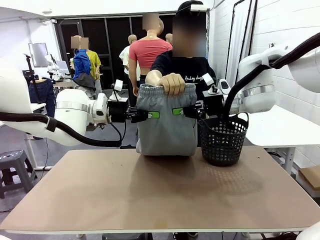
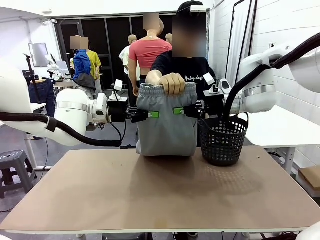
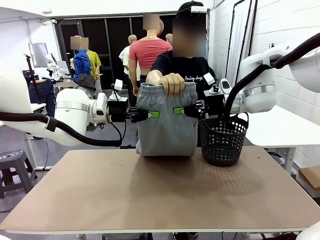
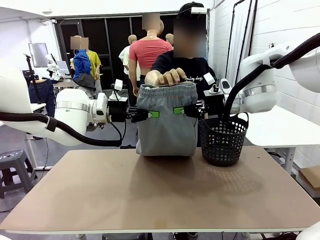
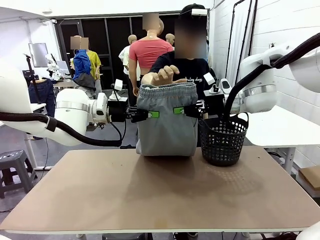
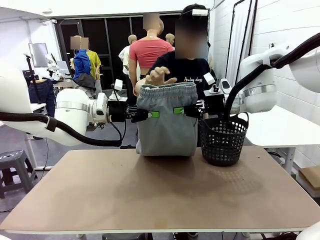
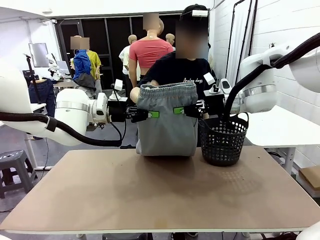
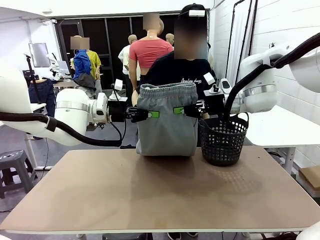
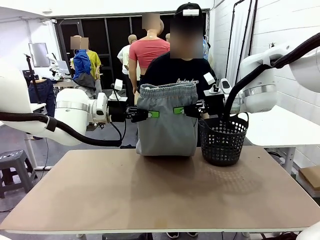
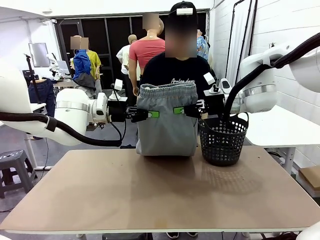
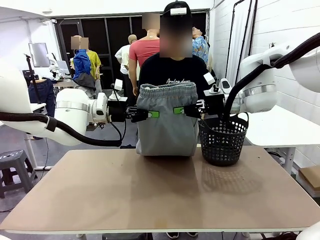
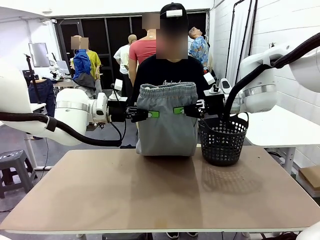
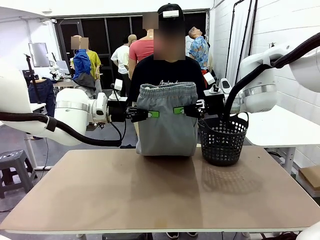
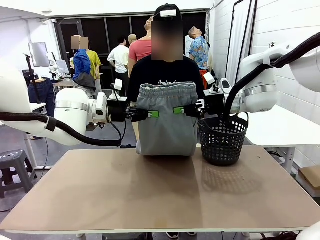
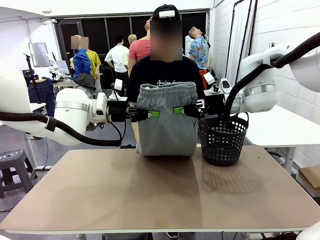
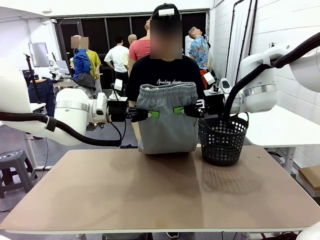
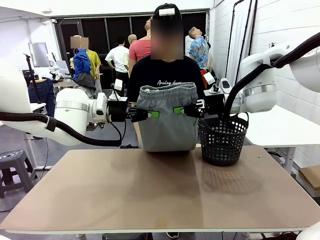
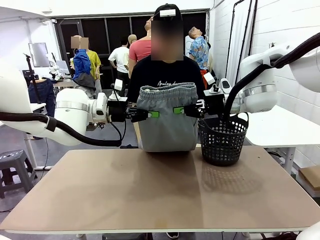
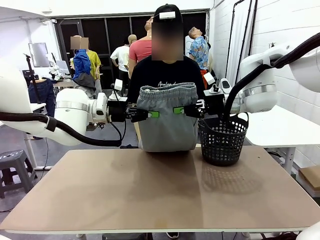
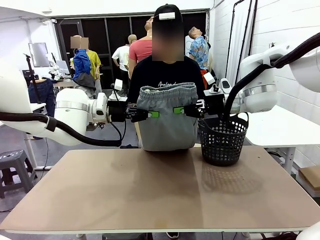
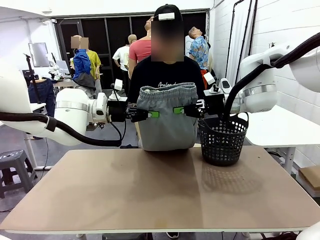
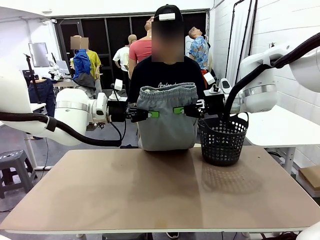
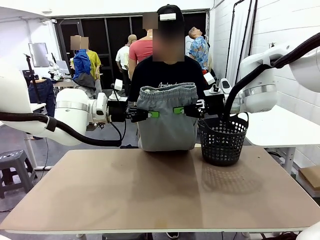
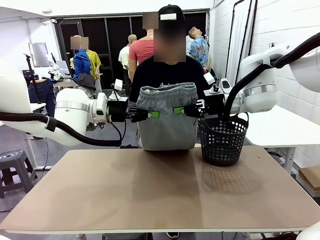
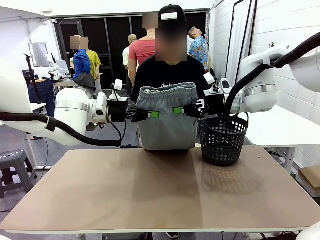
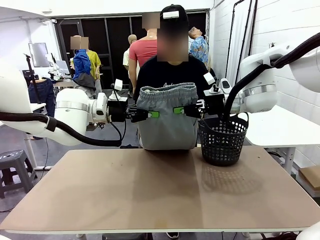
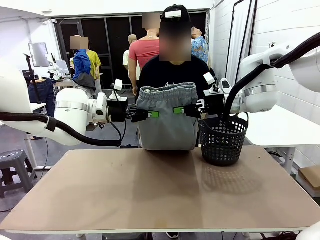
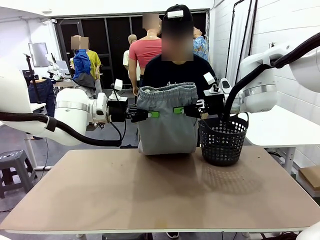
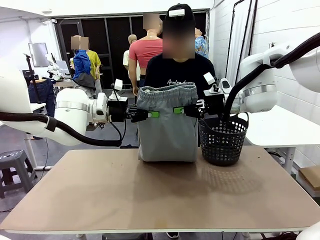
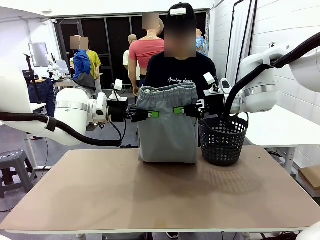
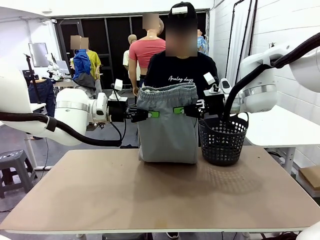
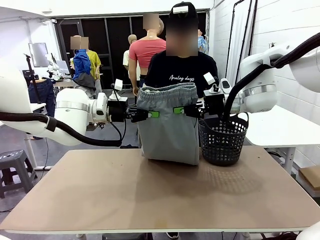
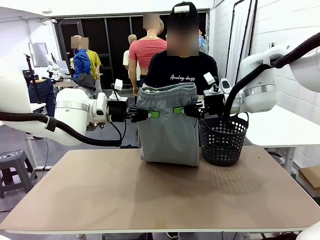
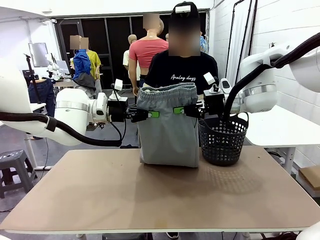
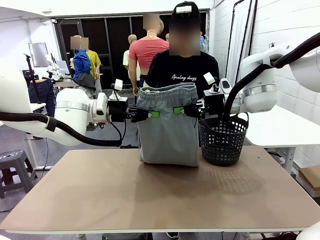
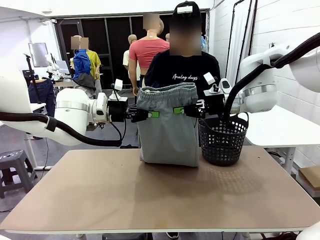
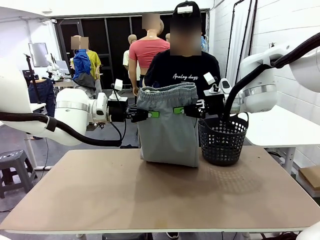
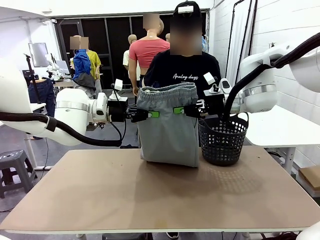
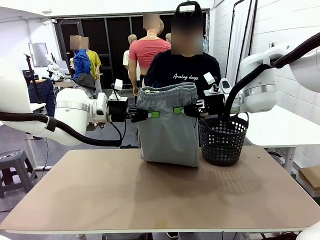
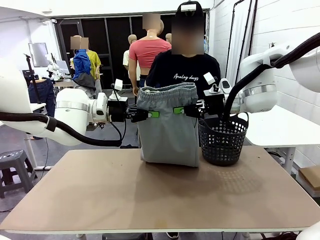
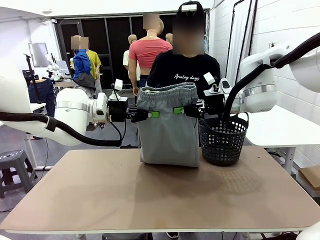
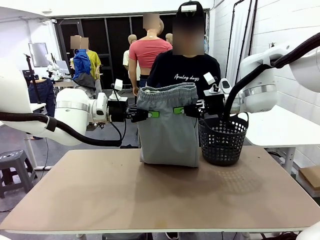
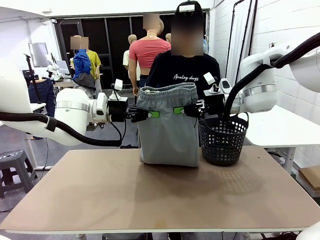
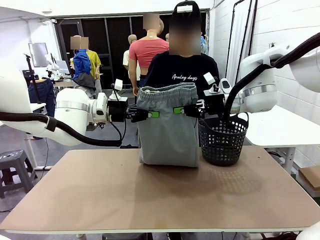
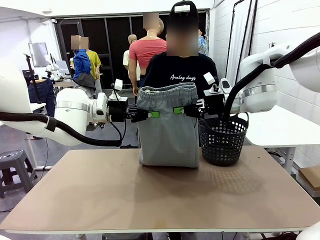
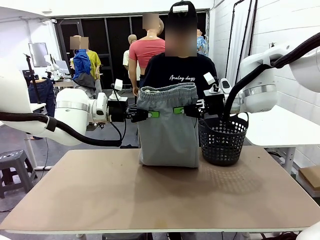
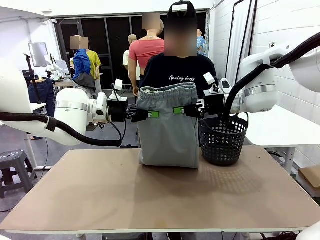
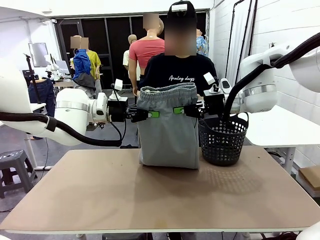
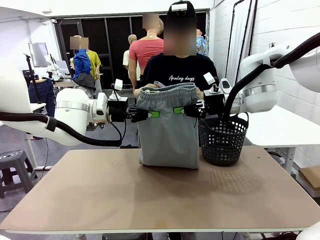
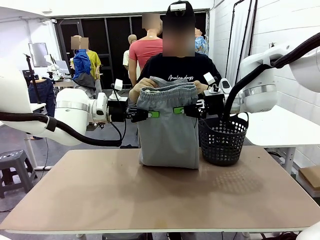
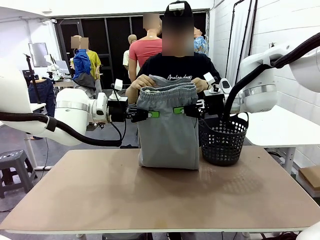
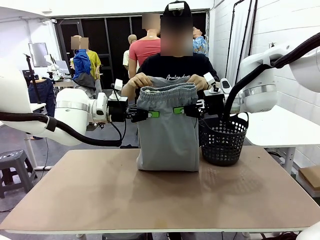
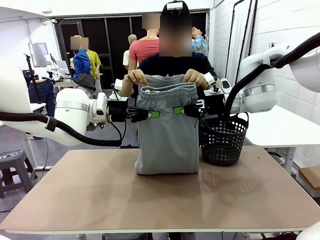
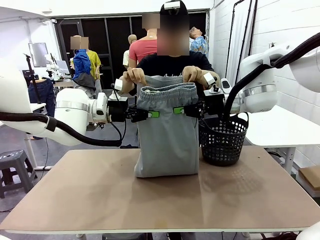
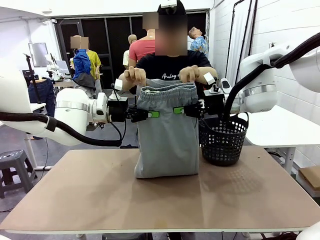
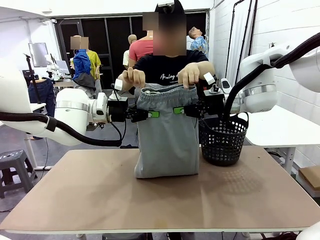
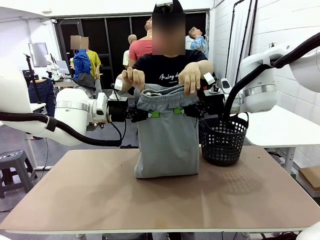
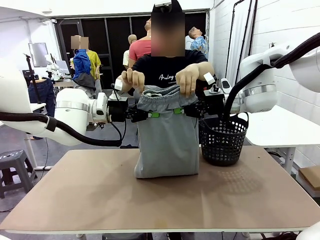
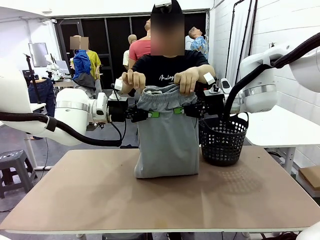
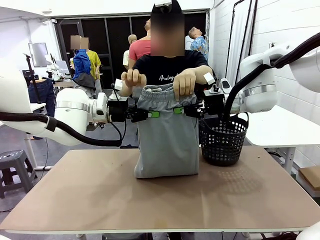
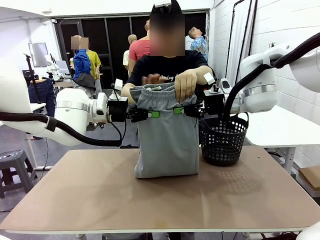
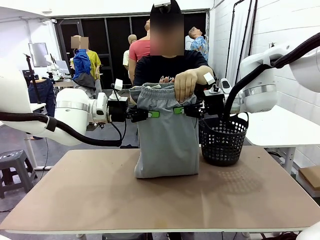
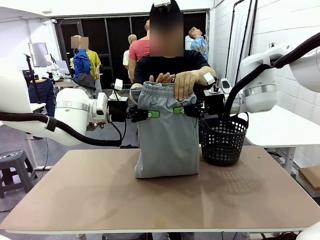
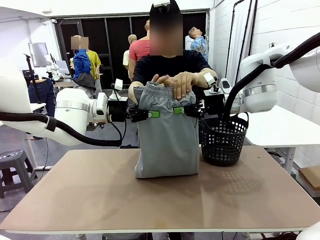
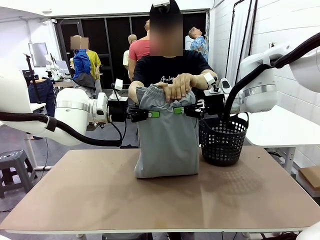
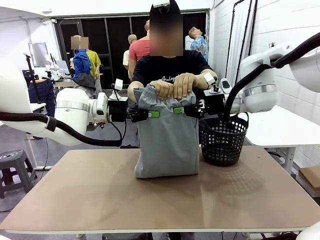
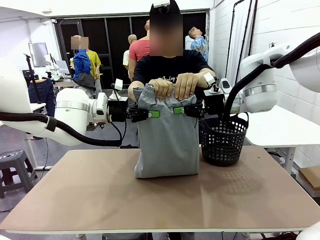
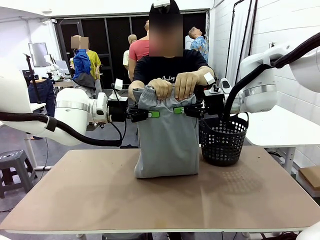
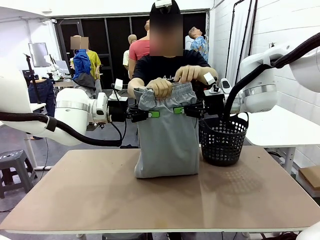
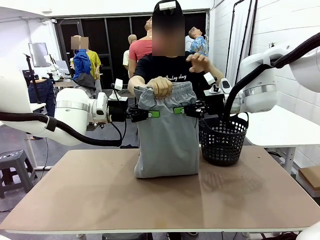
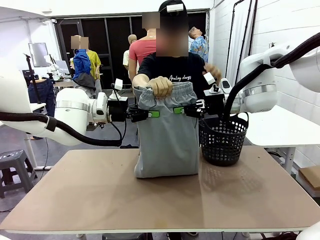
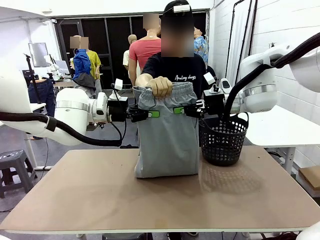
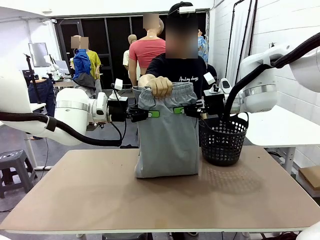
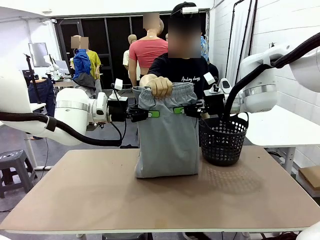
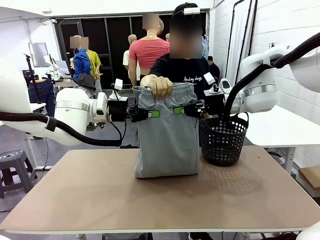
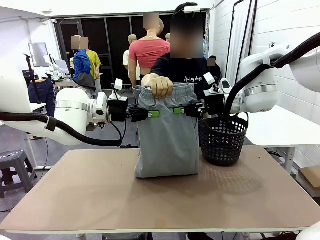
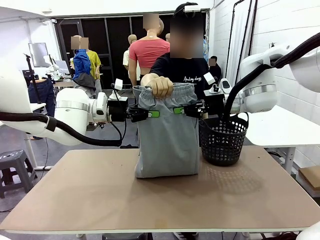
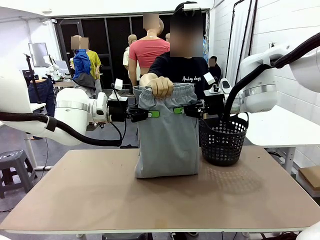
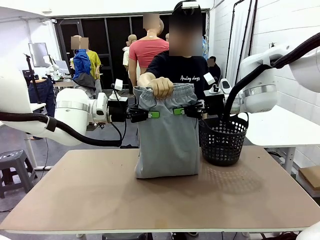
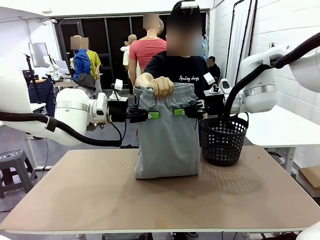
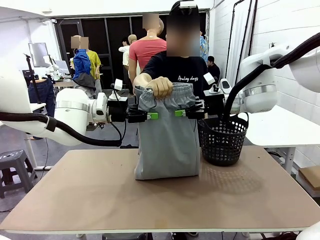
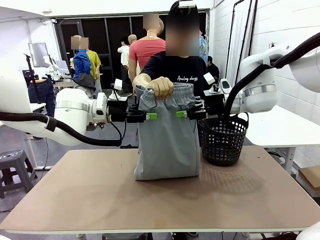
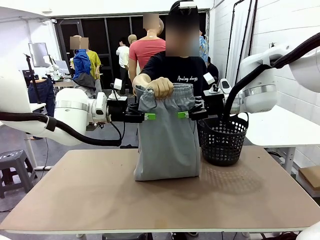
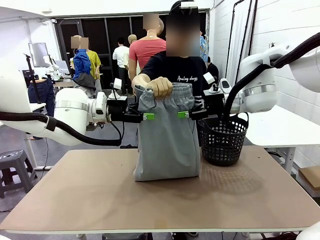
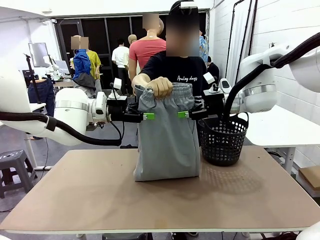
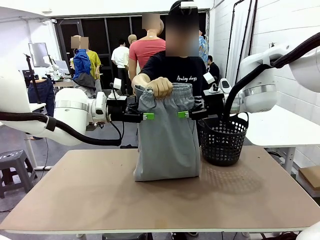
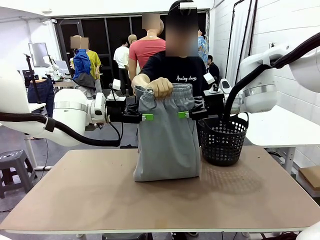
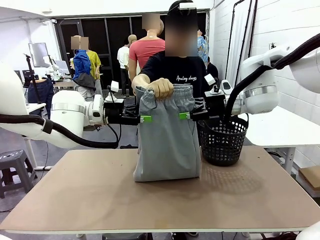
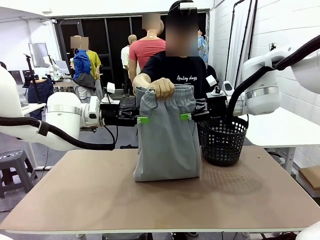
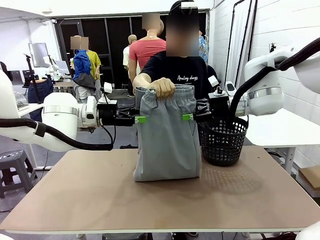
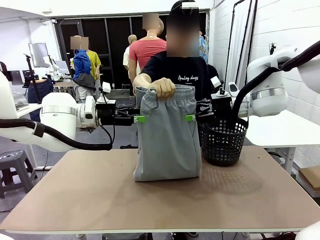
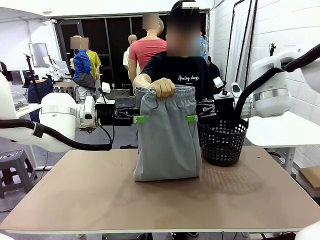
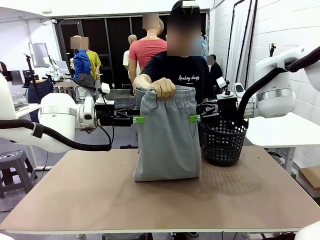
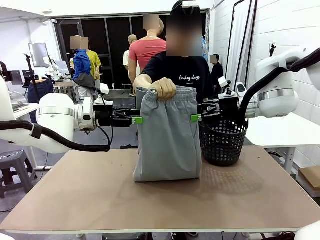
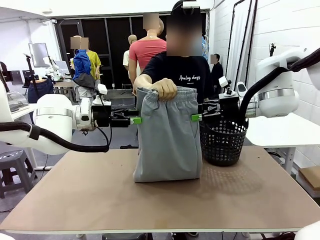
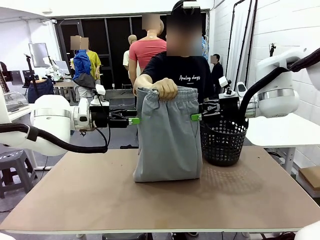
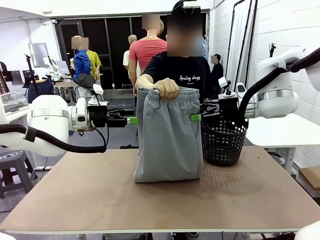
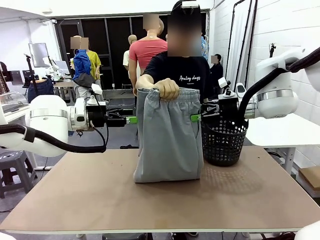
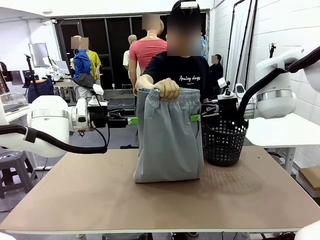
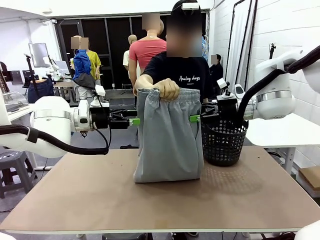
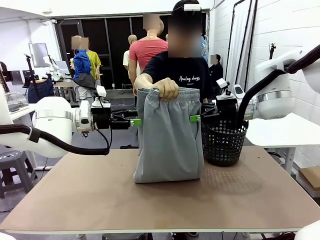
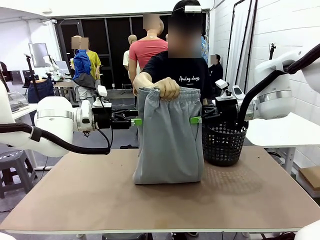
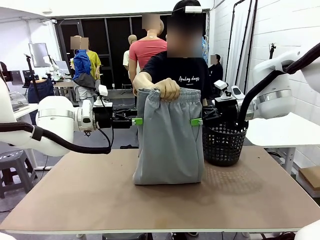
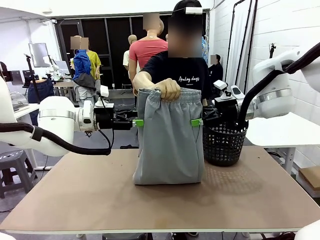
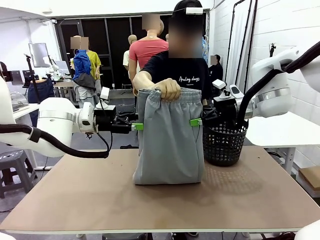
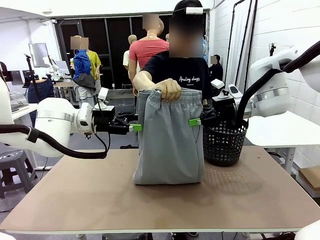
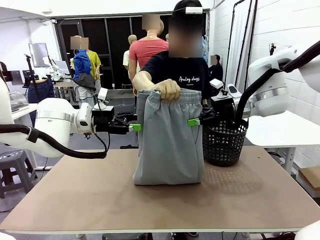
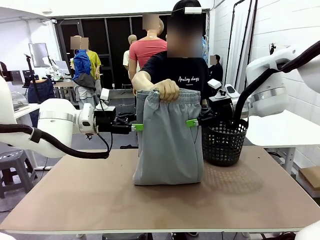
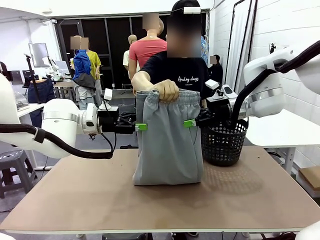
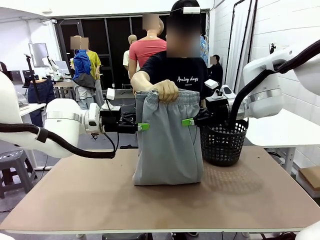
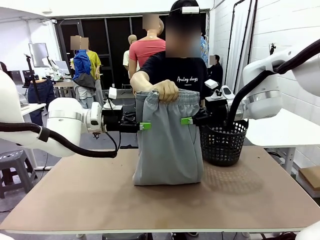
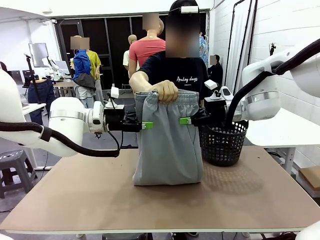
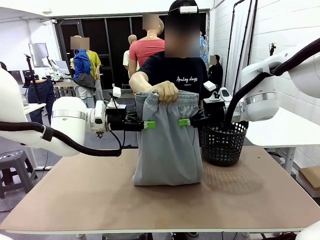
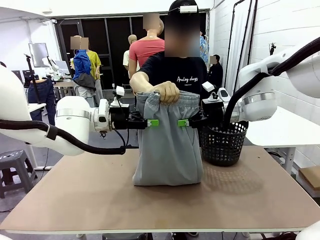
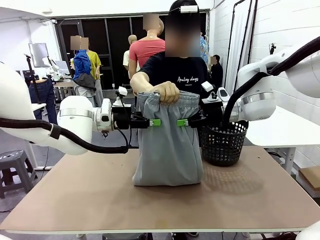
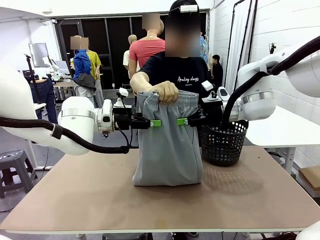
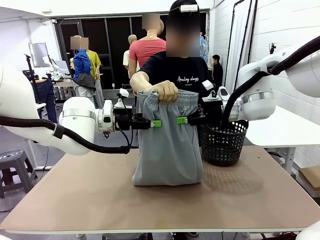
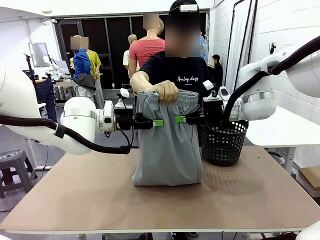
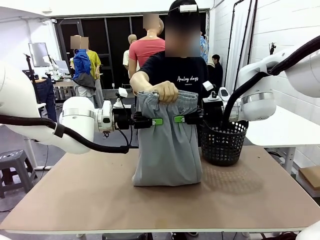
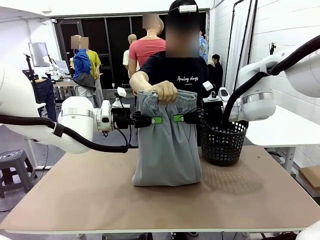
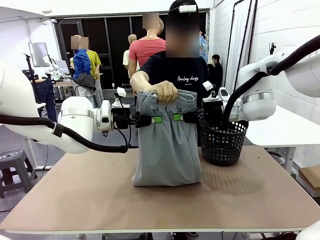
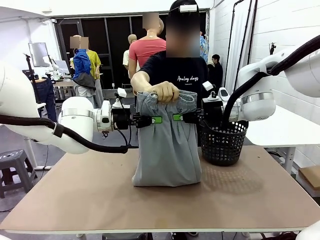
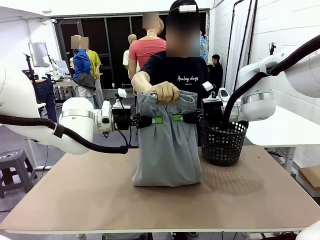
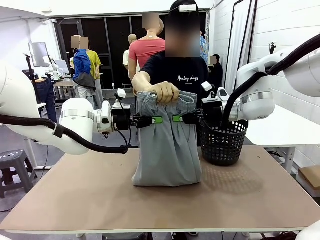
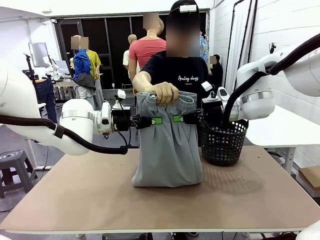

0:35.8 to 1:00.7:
Task: Fold the training pants.
Robot: Release the ends of the Training pants and then grab the overlapped ends.
Person: Grasp the end opposite the point the robot is holding, fold the pants in half, and then grasp the overlapping top end of the folded pants. Release the pants you were holding.
